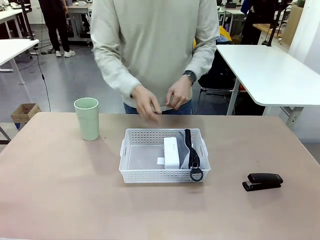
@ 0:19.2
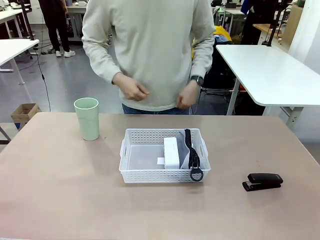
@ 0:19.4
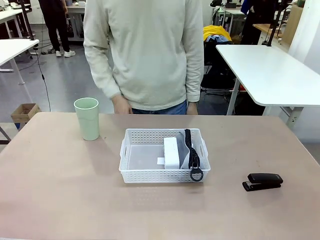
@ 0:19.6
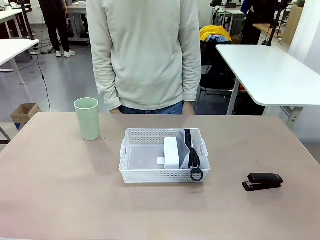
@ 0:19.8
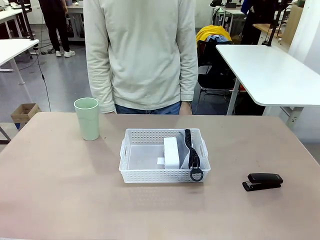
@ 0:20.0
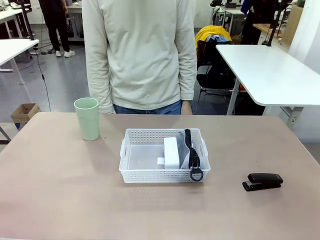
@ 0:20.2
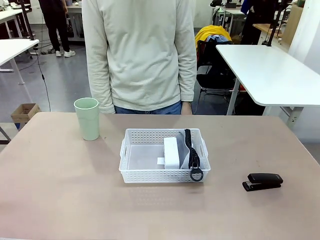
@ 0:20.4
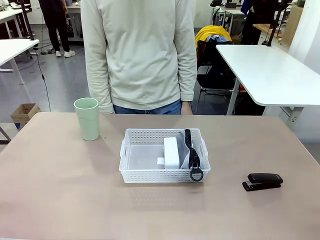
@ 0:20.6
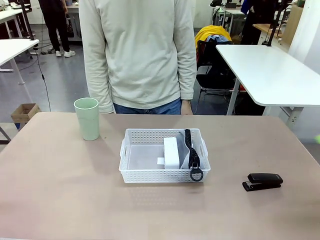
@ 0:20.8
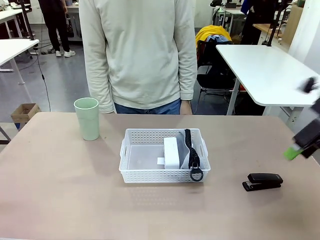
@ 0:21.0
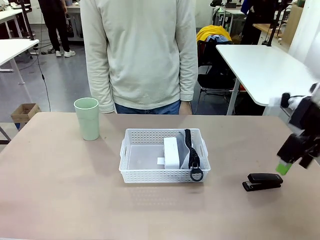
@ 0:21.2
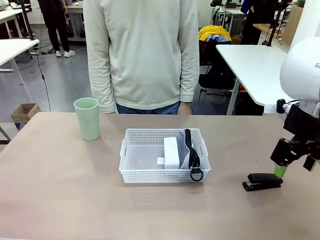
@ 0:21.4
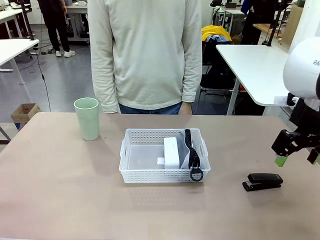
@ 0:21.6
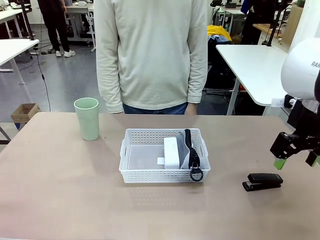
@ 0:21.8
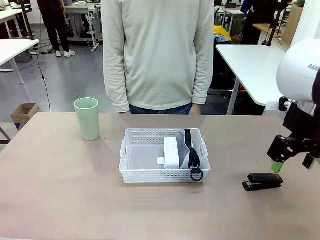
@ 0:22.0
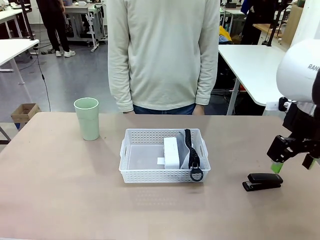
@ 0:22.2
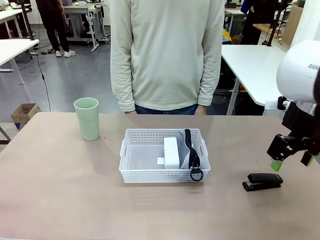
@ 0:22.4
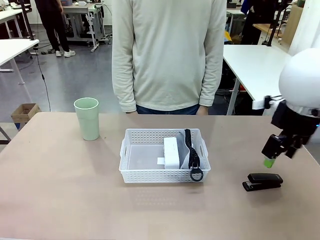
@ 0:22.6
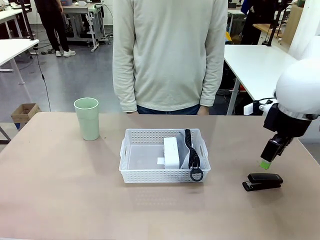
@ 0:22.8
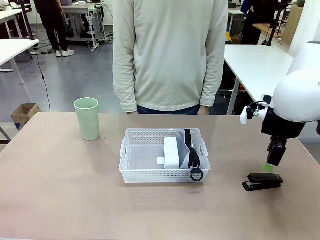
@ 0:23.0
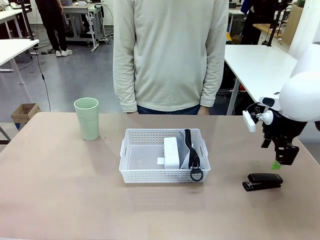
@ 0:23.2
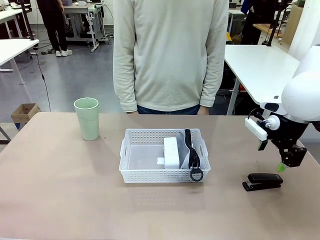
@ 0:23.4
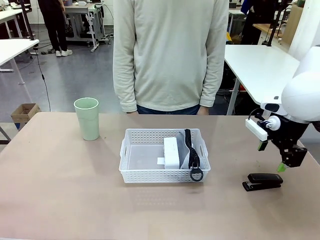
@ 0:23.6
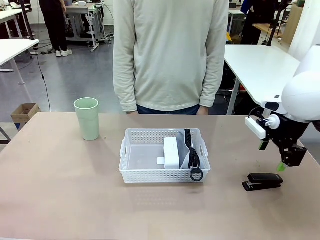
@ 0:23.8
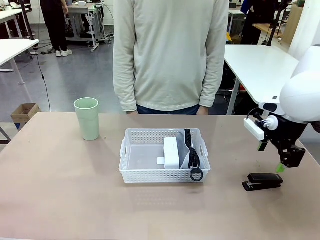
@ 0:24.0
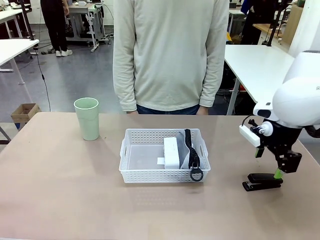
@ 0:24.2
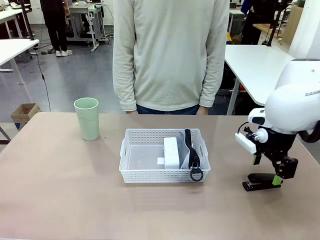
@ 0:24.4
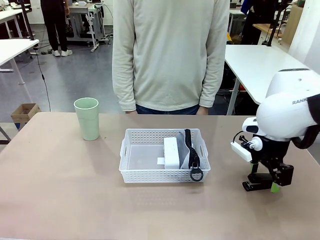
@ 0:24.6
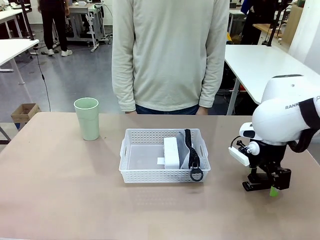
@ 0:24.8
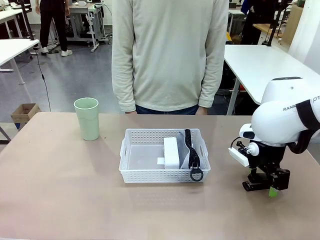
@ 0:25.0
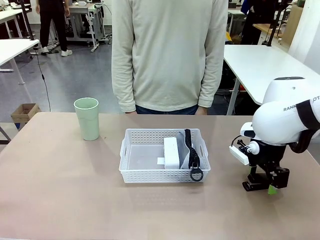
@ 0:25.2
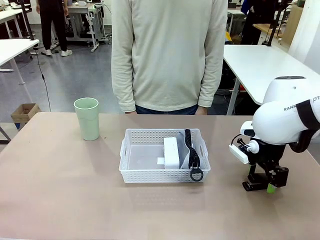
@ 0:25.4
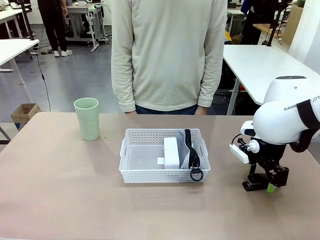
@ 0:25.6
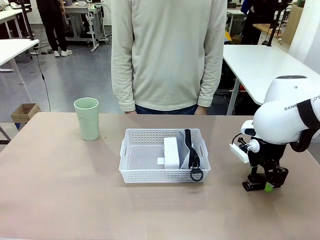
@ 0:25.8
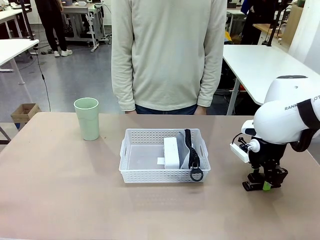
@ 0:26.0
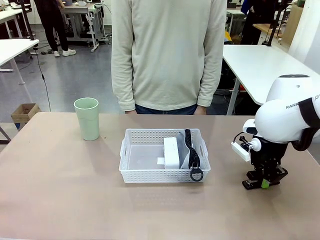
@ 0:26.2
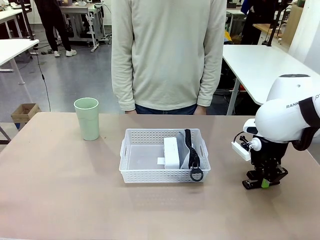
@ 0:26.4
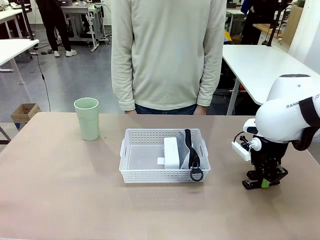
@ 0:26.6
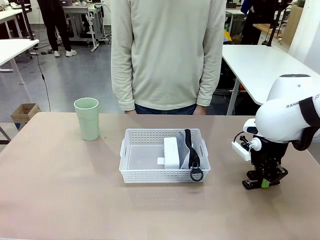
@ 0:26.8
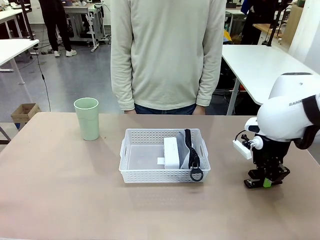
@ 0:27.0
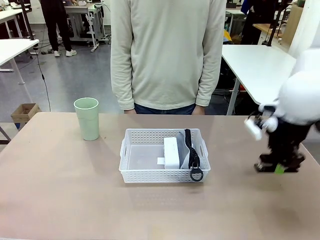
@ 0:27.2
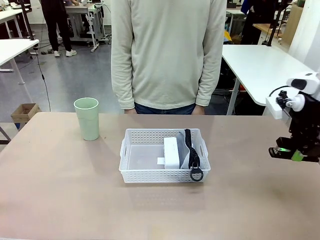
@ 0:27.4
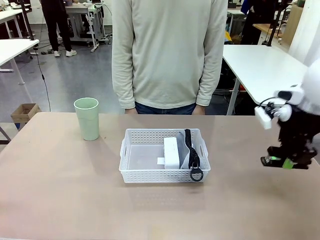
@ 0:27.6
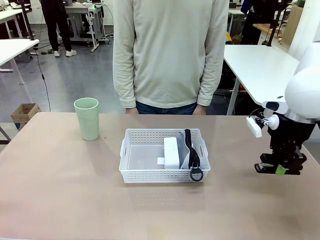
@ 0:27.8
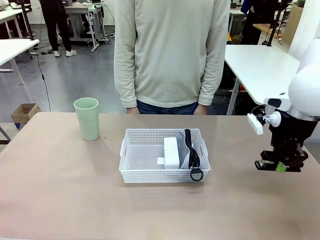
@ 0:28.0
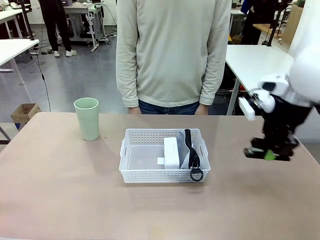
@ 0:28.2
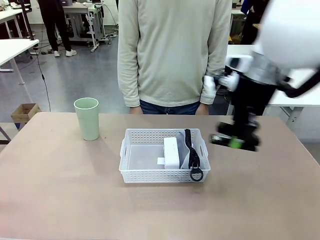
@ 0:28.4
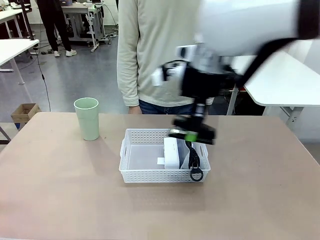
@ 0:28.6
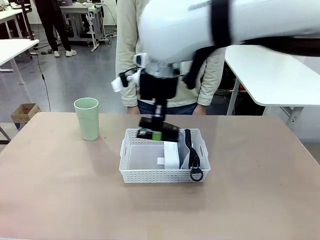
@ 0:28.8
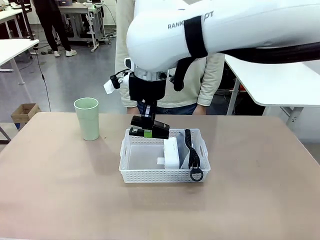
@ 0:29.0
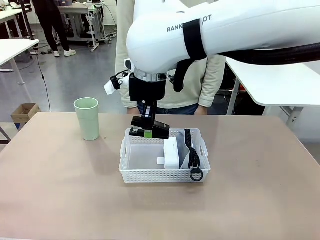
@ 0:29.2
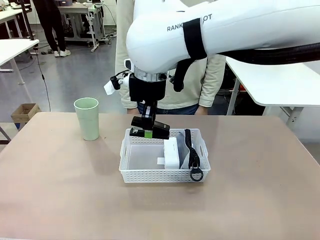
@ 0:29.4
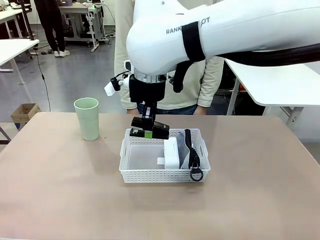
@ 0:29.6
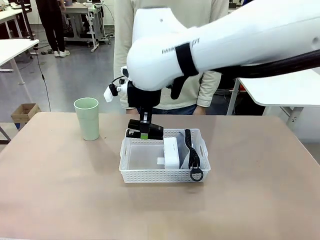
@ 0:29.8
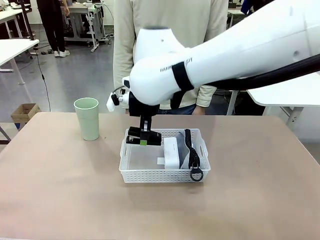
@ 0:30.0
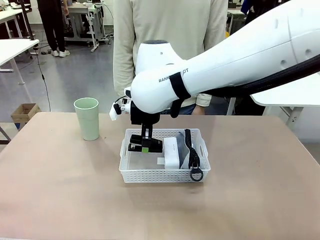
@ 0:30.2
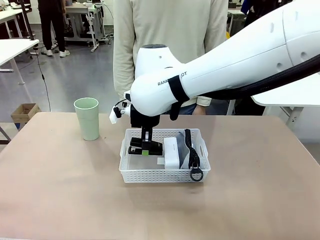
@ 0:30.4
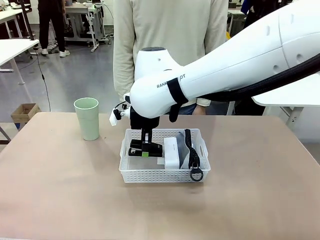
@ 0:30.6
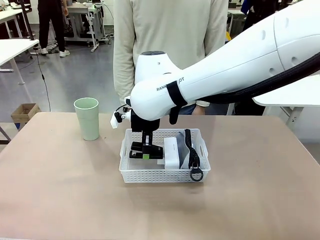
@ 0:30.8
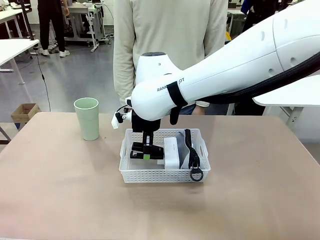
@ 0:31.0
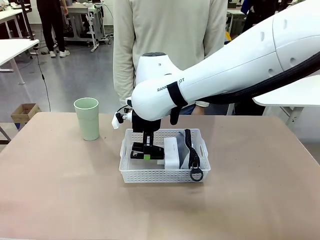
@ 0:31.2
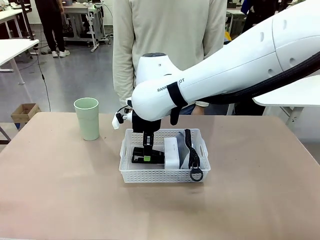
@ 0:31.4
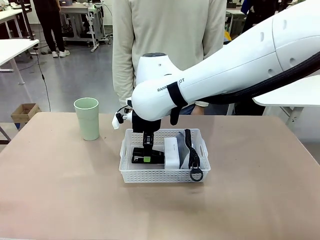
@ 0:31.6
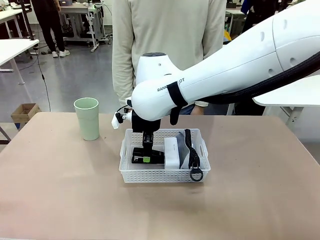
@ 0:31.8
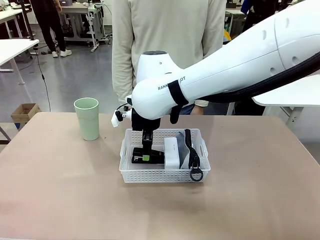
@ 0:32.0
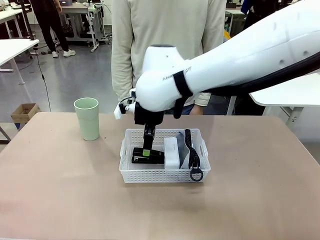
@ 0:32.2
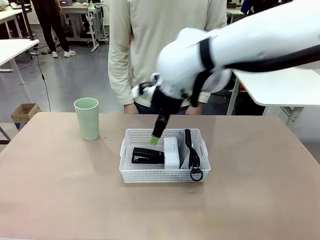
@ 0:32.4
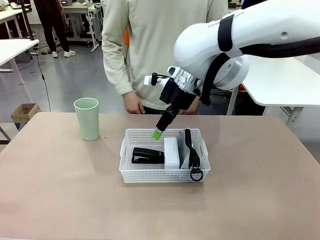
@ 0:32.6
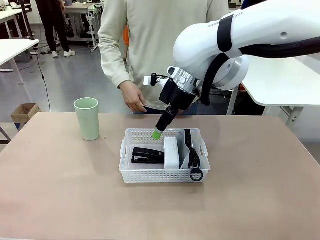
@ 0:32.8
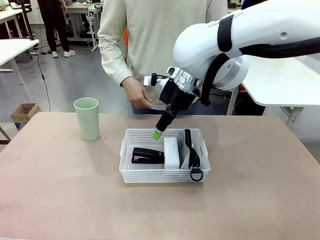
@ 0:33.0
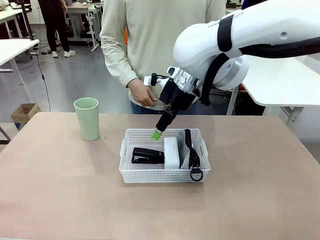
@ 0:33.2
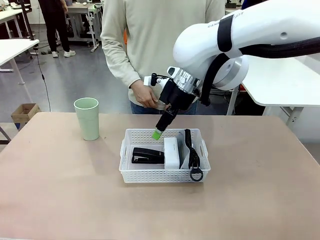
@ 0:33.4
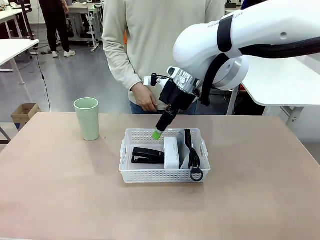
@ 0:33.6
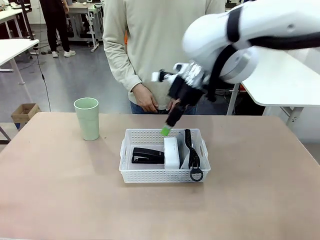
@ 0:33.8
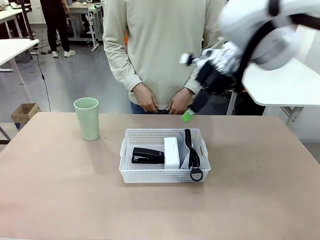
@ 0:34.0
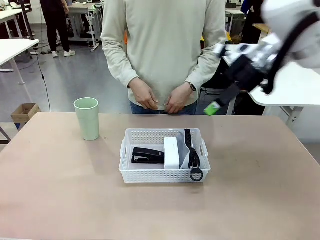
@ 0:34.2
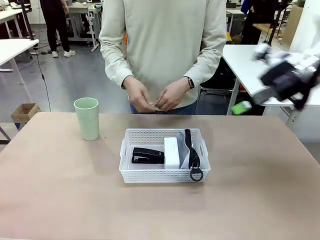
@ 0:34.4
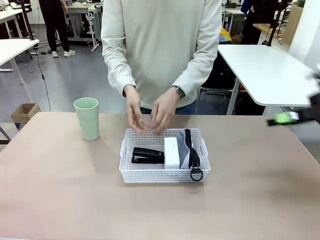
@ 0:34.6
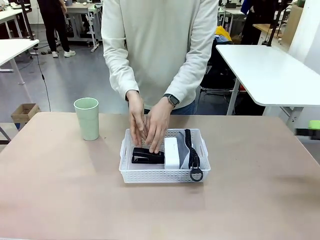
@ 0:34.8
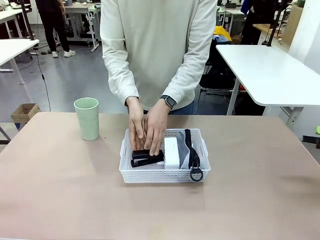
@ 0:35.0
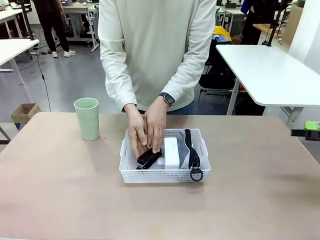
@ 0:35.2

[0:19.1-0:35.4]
Task: Efficiently arrange items inside the basket to fit them all.
Robot: Pick up the Stapler and place it inside the Organizing basket.
